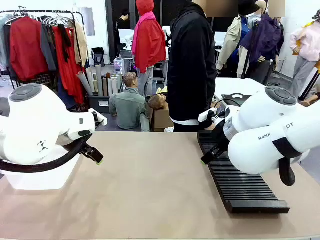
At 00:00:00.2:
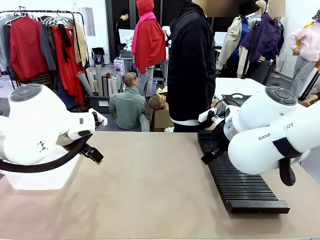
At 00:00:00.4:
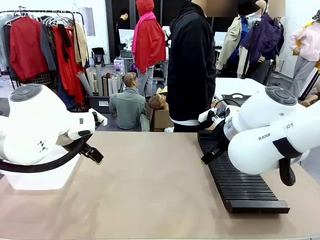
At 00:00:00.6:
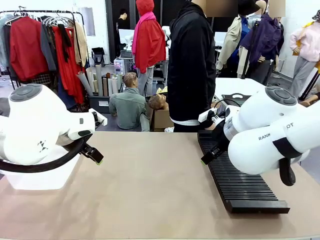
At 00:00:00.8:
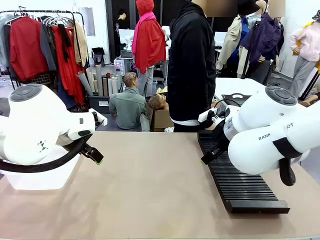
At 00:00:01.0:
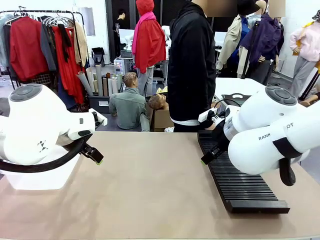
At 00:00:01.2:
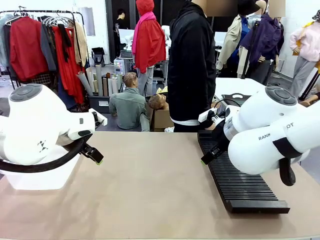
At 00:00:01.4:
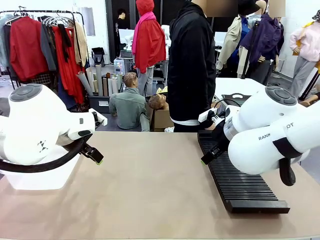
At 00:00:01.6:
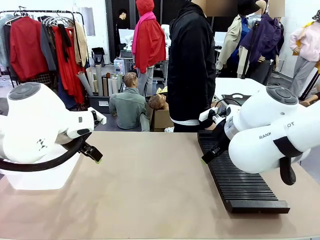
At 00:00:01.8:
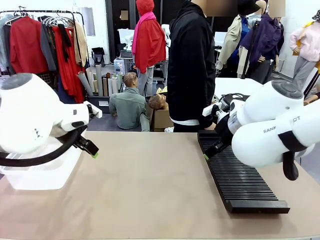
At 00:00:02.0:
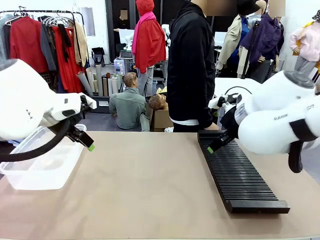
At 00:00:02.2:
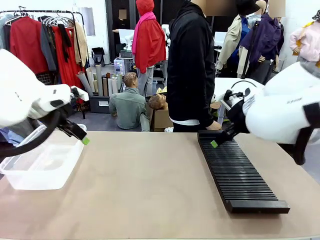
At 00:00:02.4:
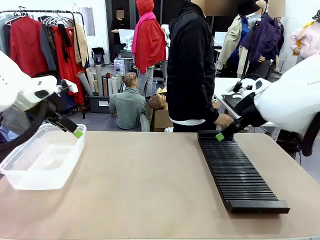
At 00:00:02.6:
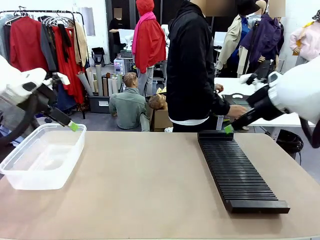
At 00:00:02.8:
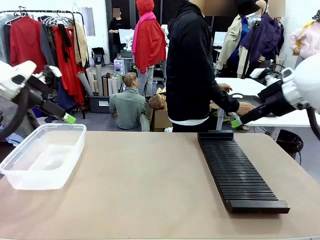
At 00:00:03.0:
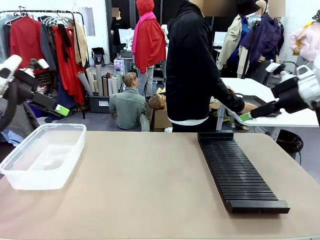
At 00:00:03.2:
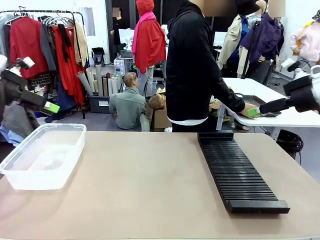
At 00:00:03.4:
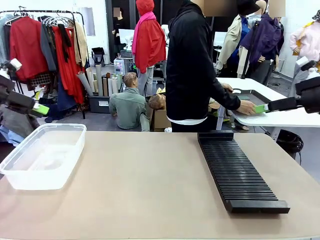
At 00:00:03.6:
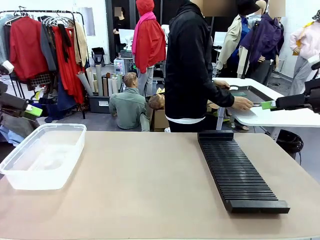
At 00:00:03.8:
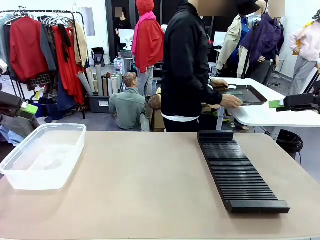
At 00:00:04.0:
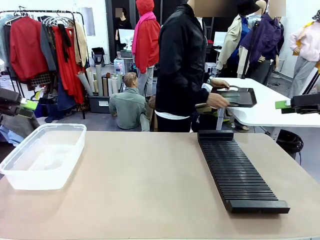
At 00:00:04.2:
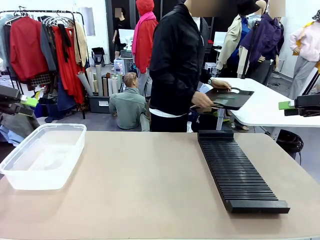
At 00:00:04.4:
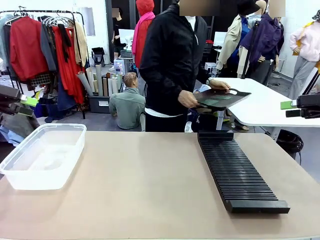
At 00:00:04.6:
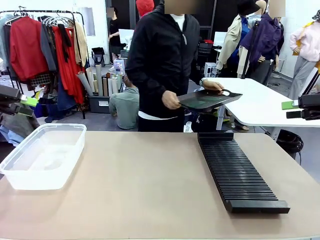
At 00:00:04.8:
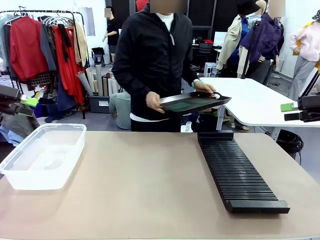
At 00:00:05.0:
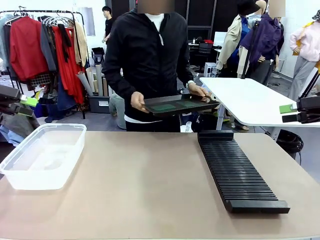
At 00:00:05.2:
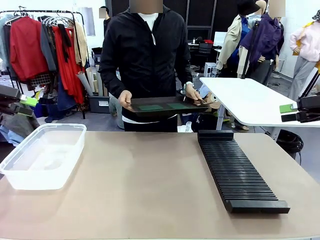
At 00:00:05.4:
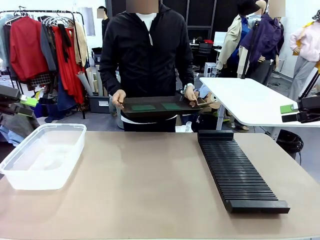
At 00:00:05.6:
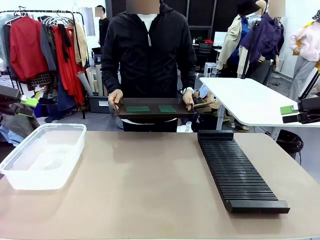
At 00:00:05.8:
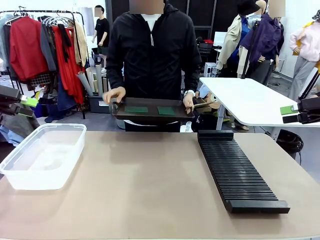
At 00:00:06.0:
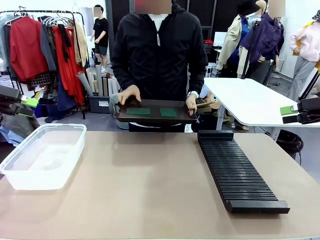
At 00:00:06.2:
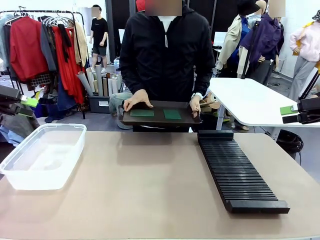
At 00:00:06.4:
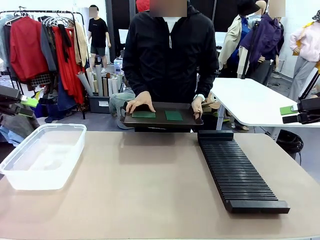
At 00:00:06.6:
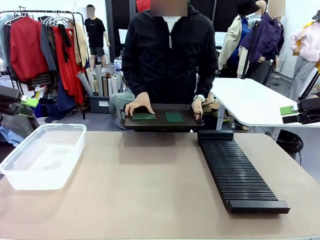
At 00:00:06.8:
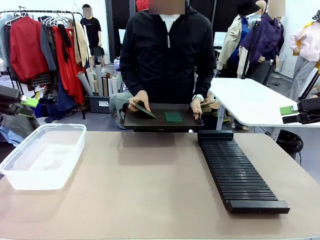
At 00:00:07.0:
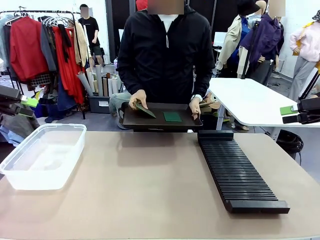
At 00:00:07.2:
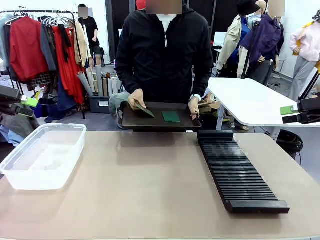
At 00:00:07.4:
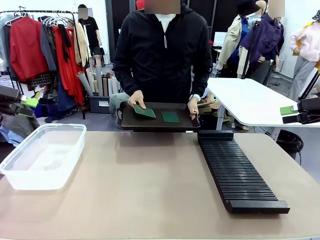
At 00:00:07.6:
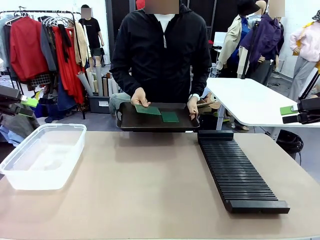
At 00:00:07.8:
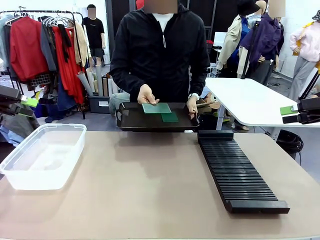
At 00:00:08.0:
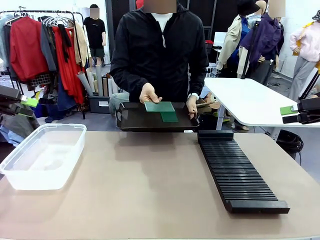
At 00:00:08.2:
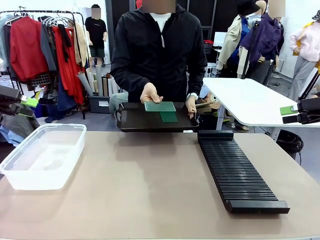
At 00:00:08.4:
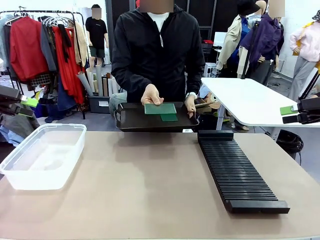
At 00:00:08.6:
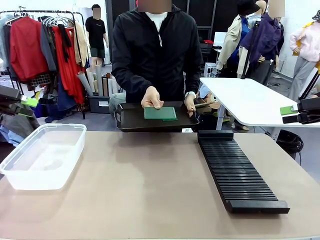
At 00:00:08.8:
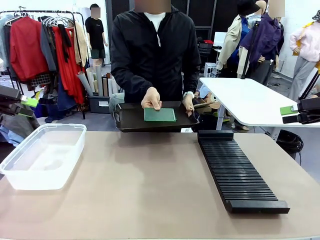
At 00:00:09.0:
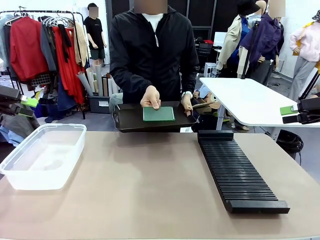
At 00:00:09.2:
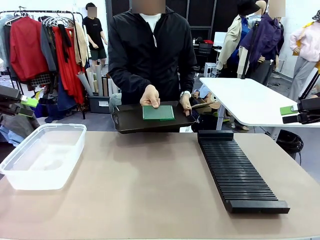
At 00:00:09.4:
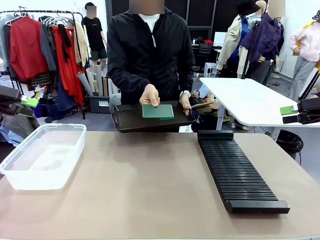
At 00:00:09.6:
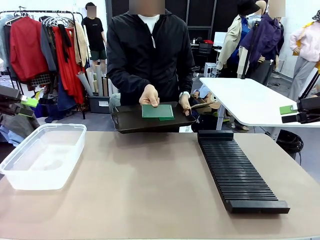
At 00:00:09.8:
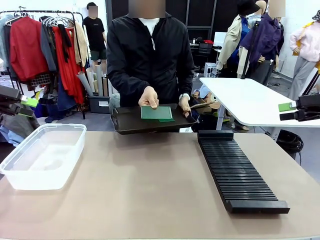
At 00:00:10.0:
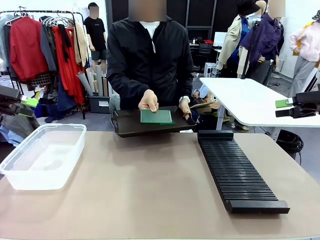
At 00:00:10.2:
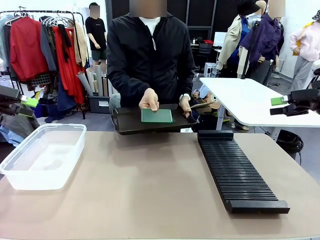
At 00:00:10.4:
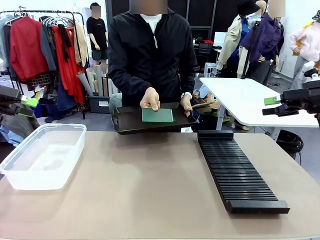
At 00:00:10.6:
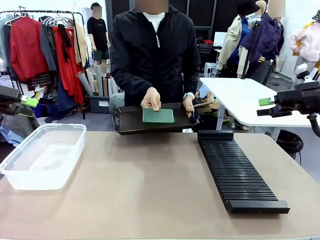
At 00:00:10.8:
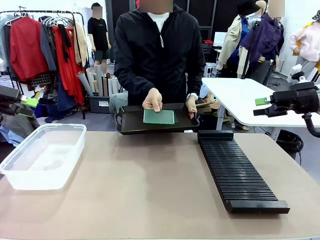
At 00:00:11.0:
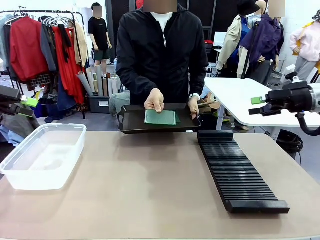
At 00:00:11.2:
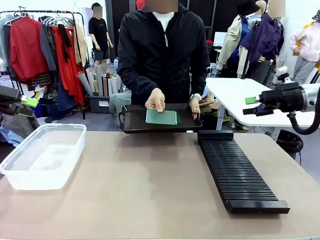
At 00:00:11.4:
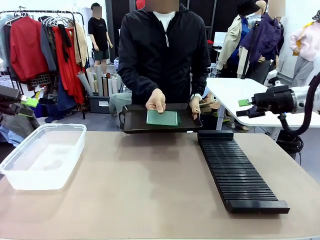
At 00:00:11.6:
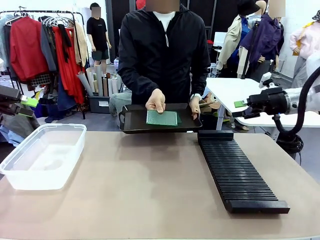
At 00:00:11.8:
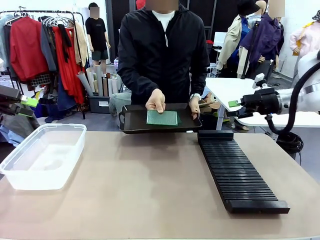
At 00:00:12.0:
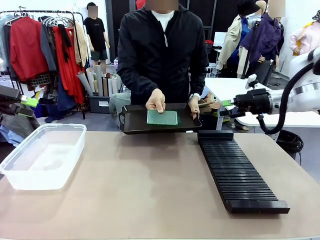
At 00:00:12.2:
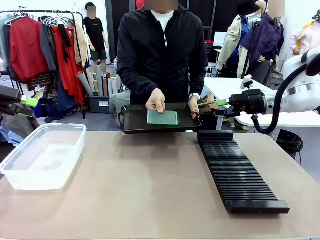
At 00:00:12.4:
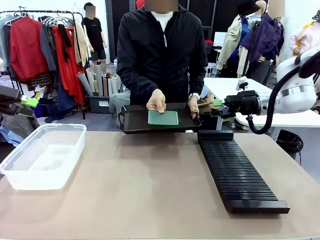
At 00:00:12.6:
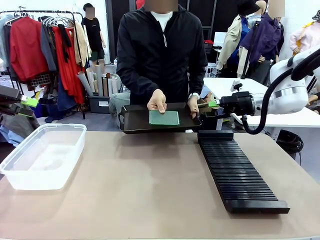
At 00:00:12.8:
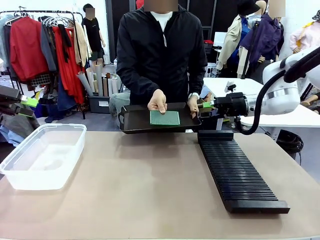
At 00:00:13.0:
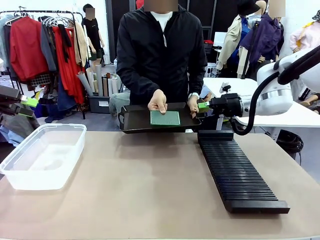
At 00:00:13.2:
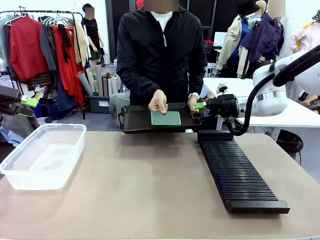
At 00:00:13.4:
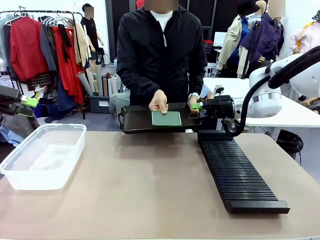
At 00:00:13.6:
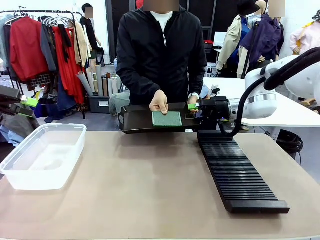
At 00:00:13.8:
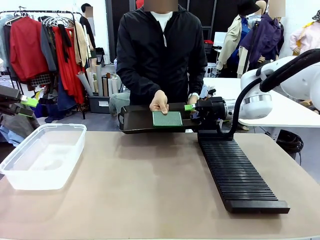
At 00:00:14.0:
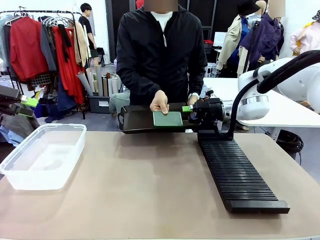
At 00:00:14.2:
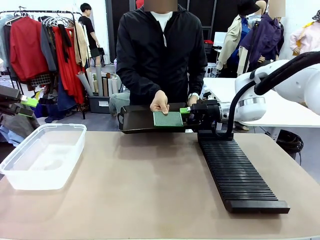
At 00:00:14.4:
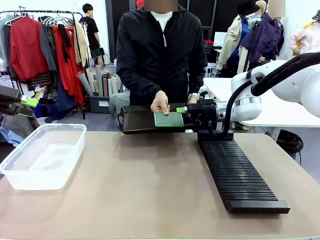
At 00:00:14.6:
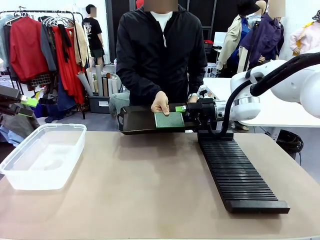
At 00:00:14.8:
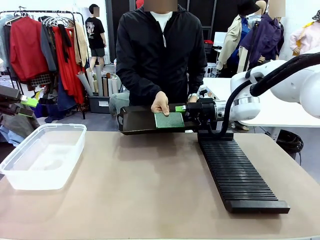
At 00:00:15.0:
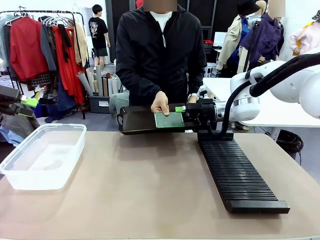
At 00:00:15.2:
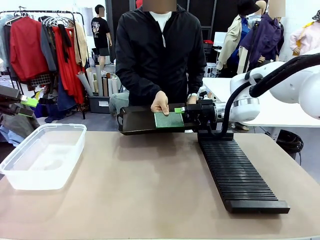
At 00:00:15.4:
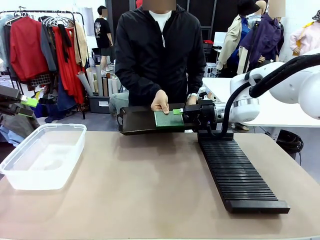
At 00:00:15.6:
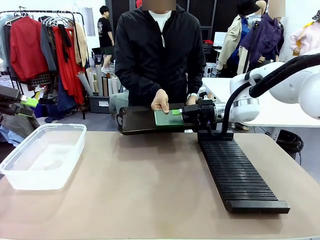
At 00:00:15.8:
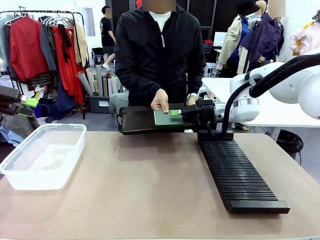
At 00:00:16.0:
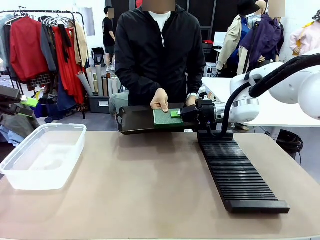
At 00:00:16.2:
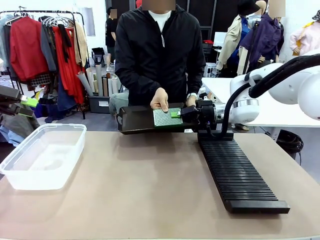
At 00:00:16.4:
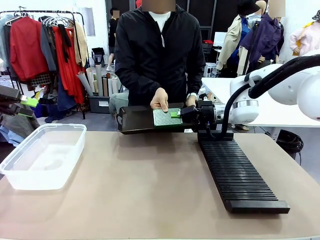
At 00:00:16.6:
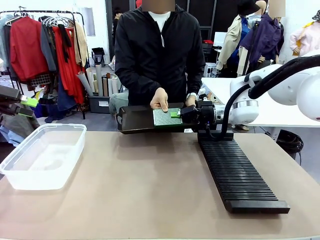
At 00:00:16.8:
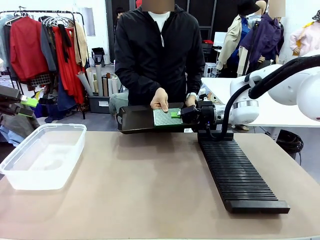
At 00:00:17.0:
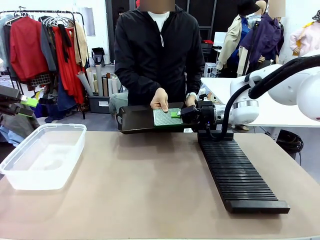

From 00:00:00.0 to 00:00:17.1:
Task: Sort PCBs into racks and boxes based on the side picked up.
Robot: Pick up the Blank PCB handed by the Human.
Person: Pick one PCB from the tray and present it to the robot. Release the PCB being held.
